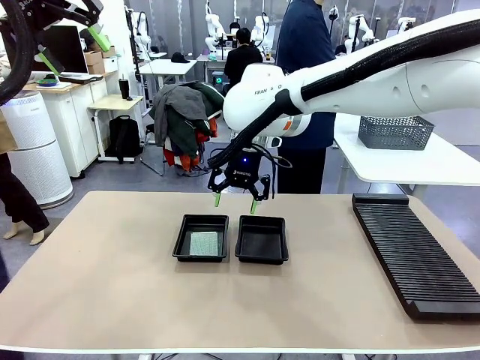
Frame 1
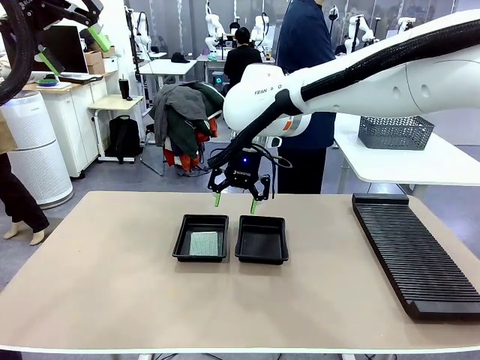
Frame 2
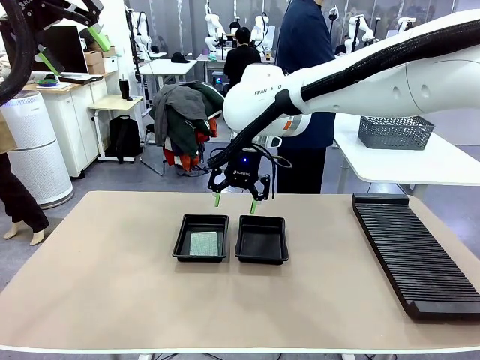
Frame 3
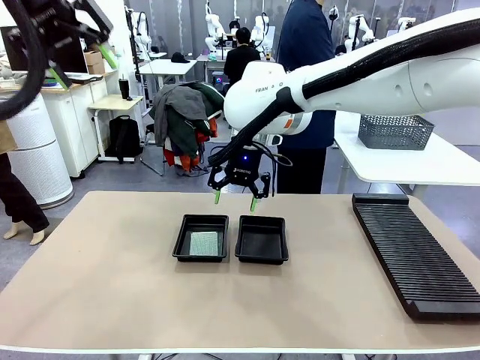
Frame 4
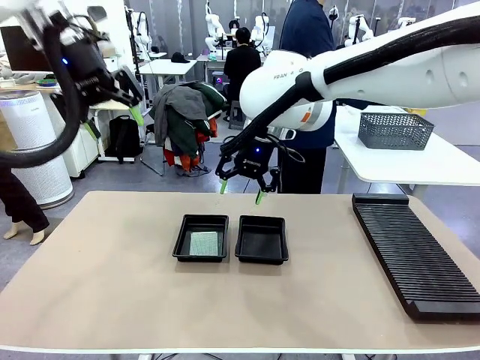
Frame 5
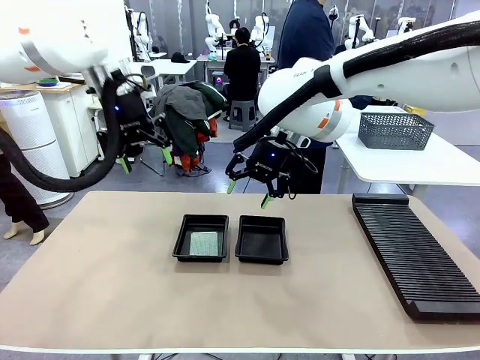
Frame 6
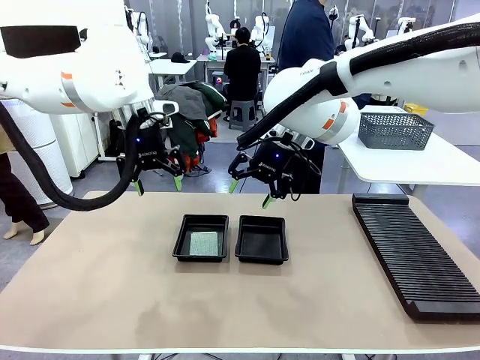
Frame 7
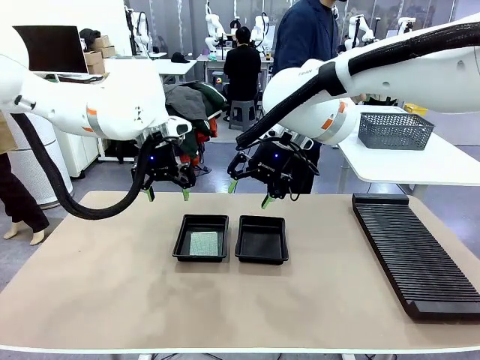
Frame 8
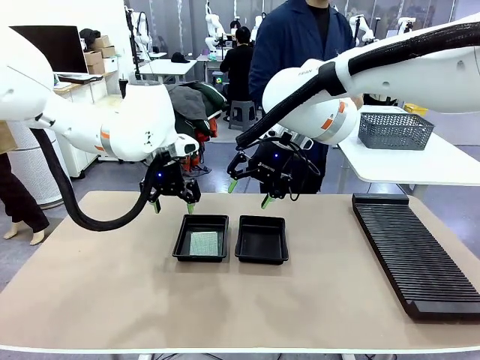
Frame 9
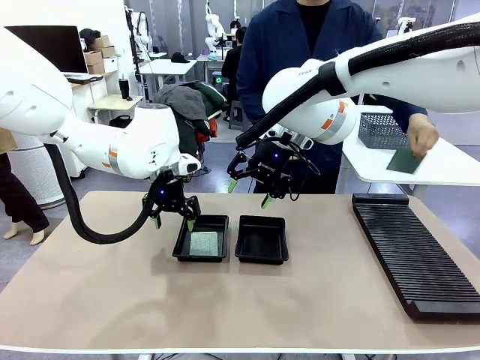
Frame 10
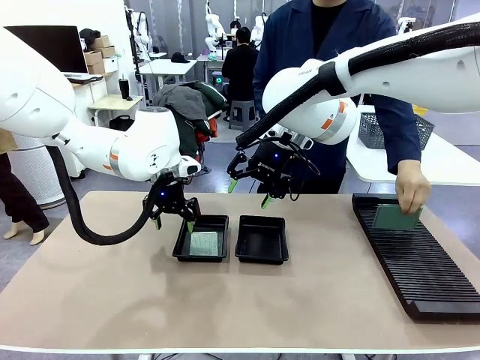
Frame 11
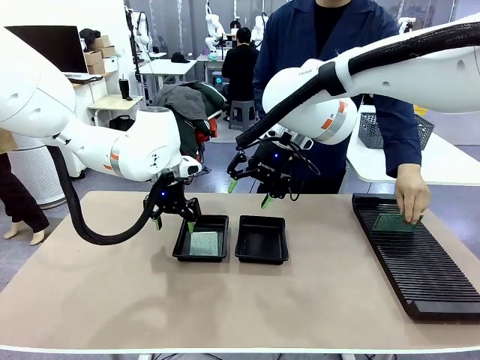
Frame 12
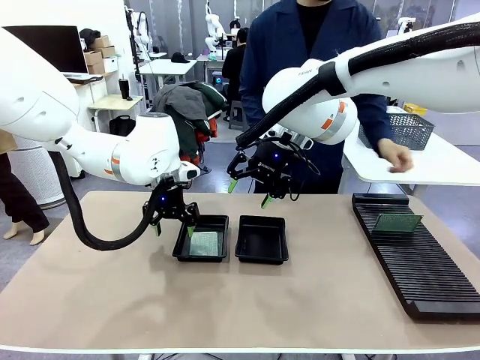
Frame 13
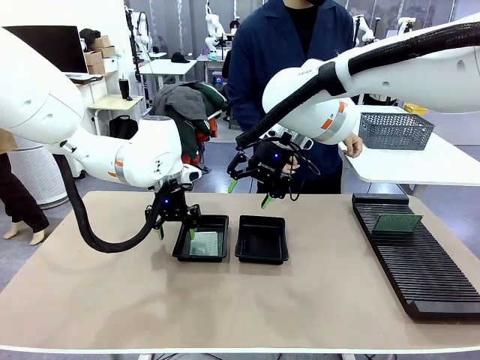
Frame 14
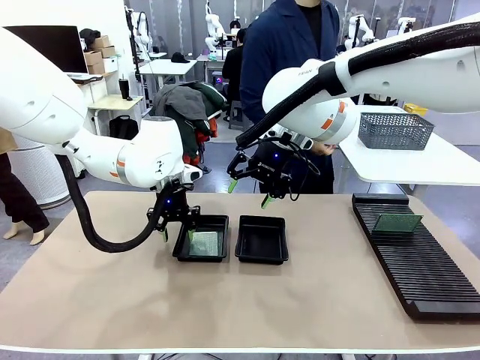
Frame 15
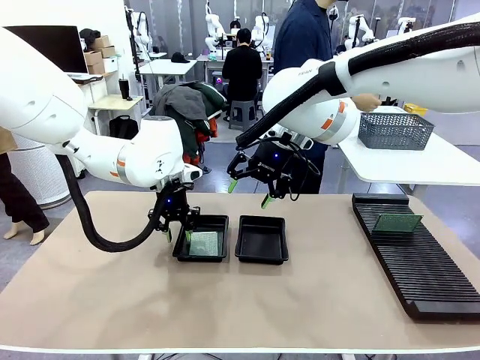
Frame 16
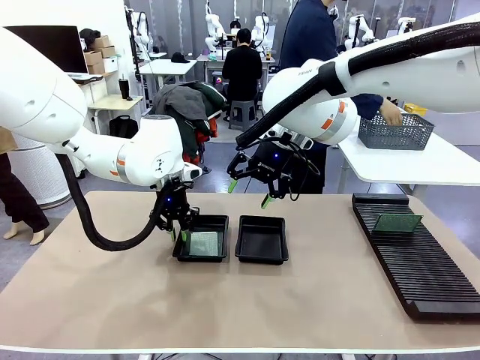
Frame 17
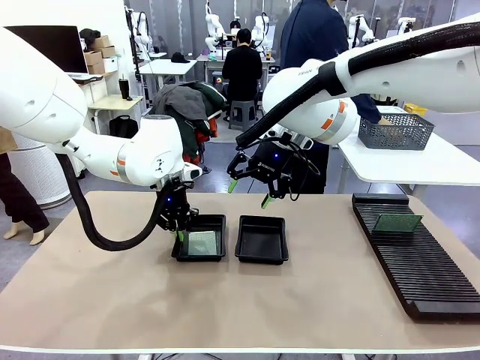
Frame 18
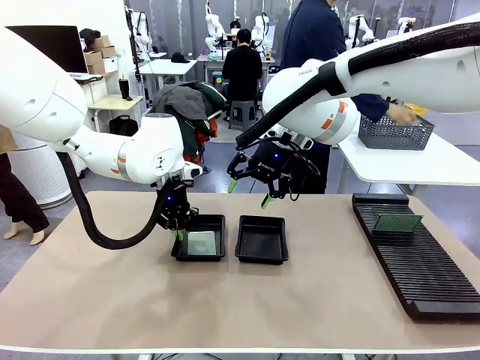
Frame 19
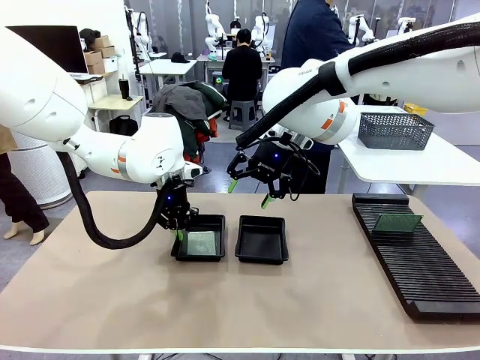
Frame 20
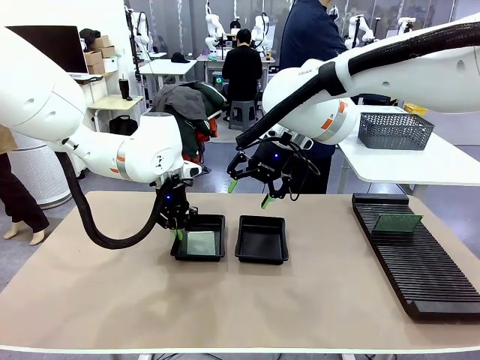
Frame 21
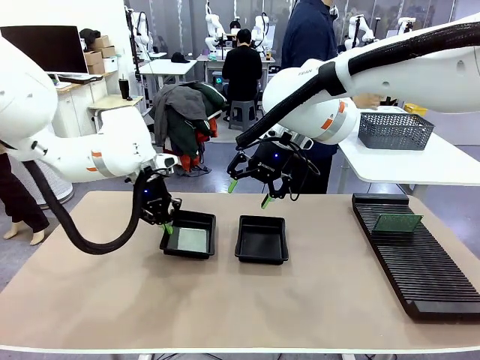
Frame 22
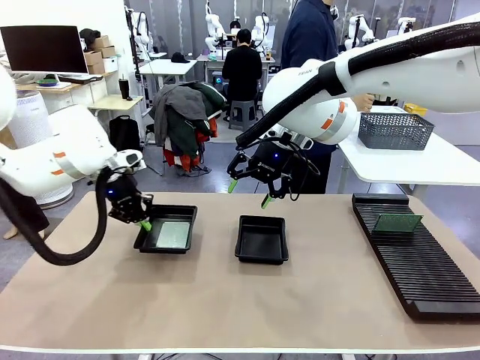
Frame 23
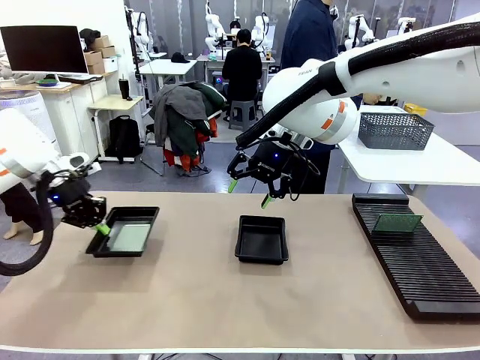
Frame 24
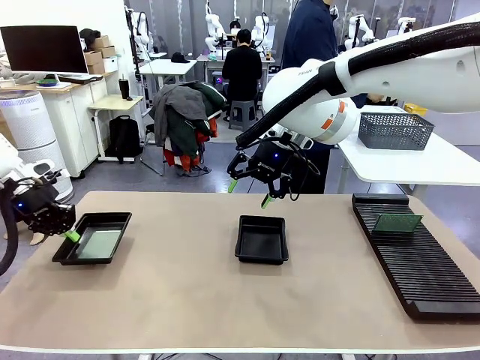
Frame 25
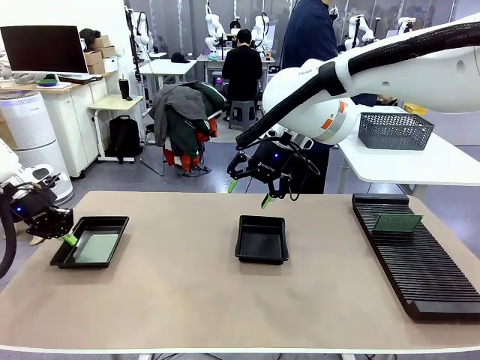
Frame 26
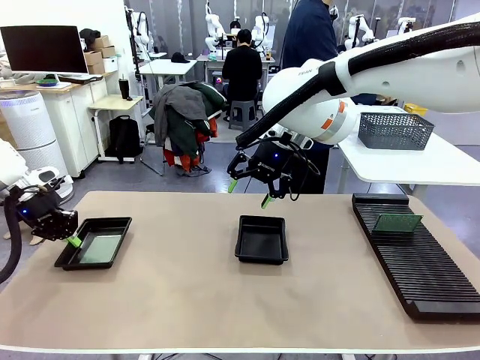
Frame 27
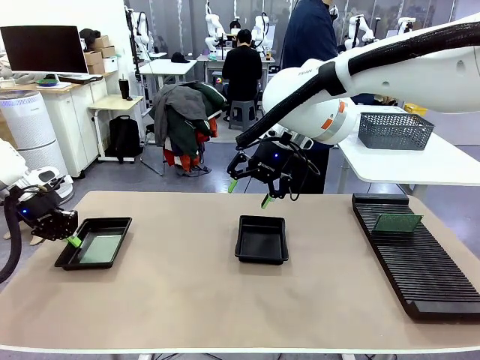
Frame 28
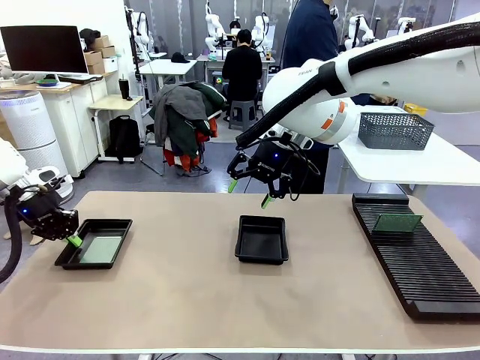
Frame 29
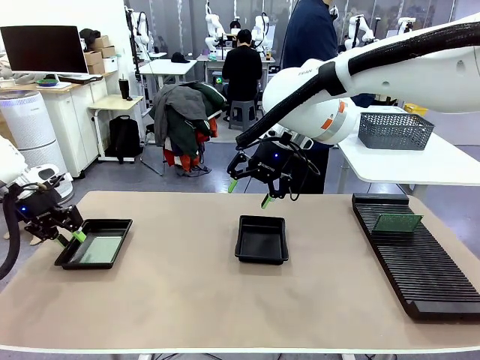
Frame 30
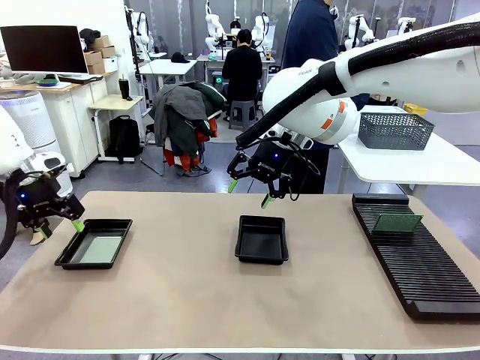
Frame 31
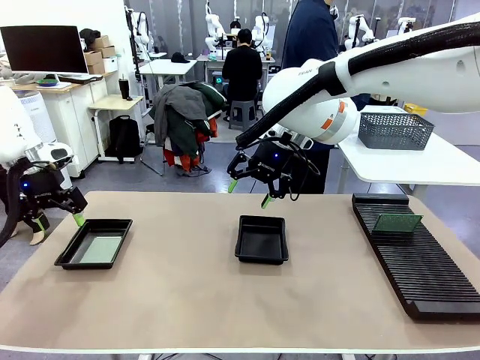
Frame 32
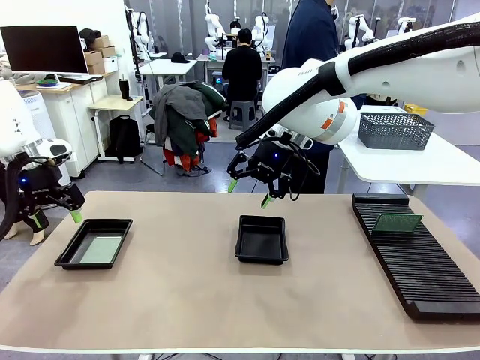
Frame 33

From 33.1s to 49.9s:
Task: Inspect and transfer BCBs to ESD trays.
Robot: Pick up the ESD tray and place it on the left side of the table.

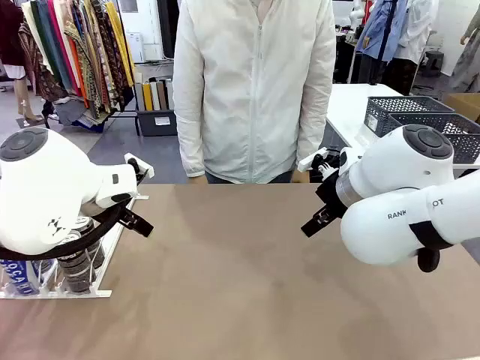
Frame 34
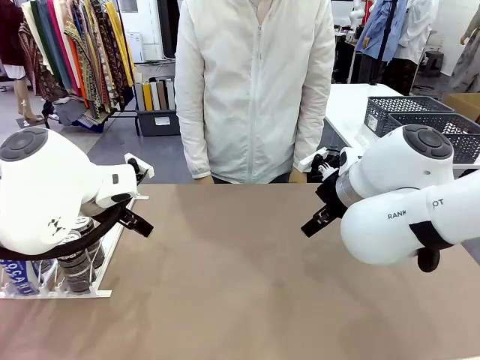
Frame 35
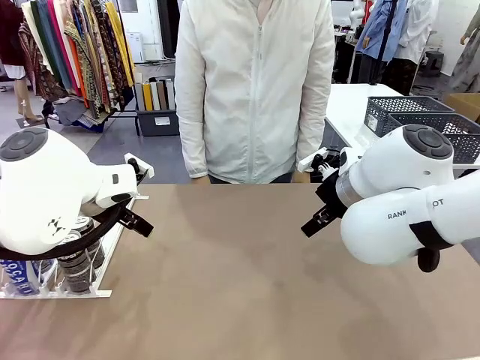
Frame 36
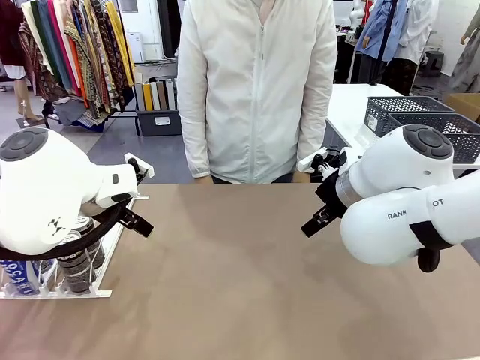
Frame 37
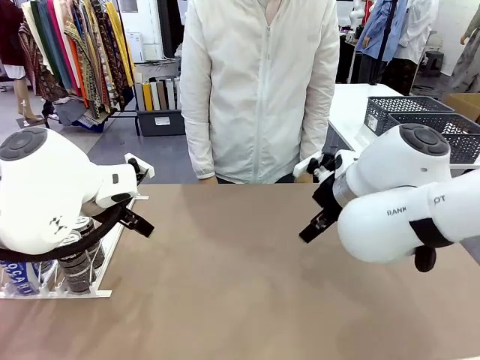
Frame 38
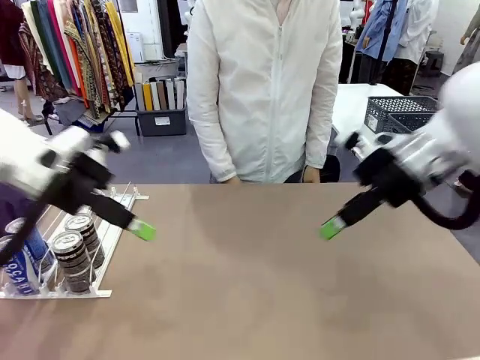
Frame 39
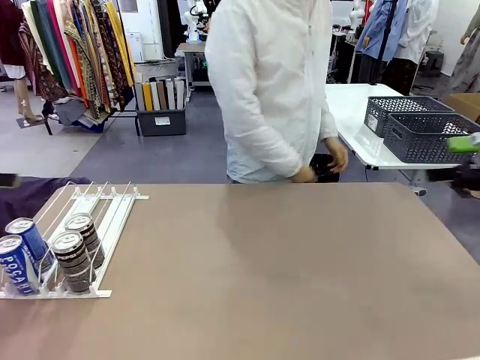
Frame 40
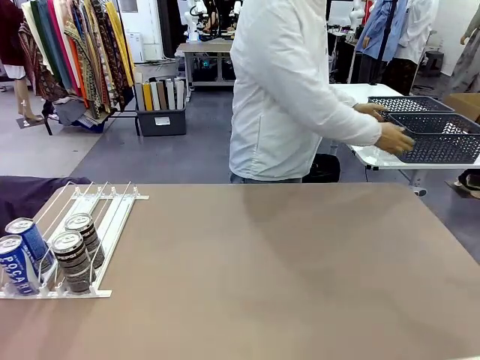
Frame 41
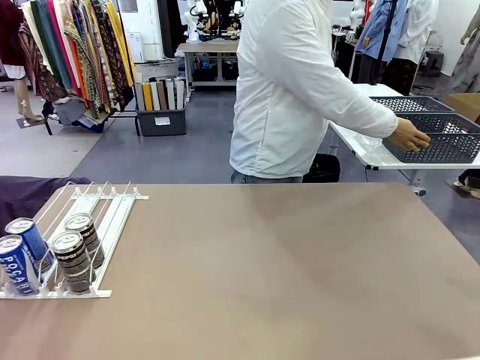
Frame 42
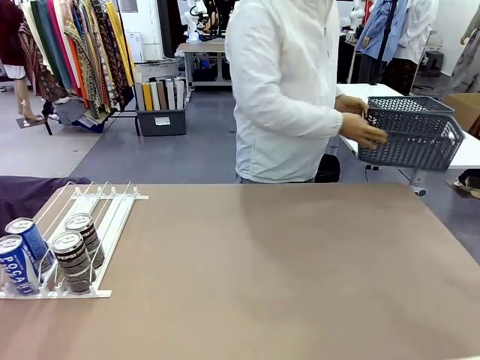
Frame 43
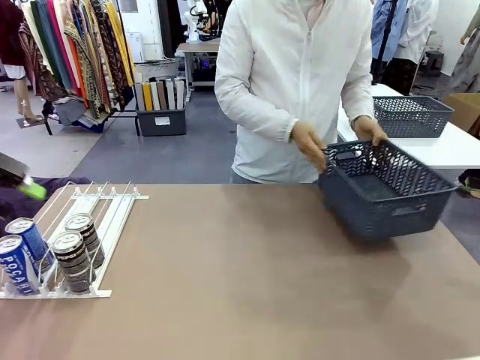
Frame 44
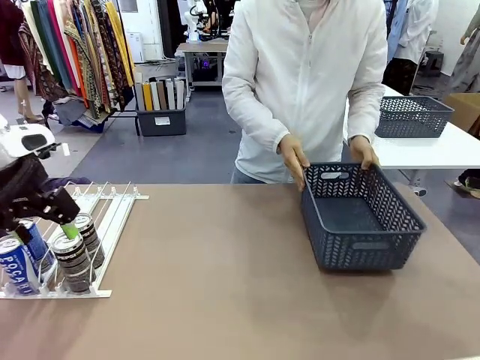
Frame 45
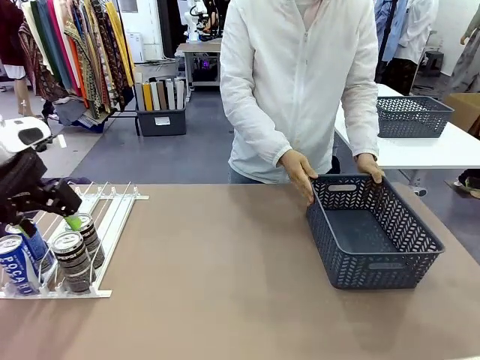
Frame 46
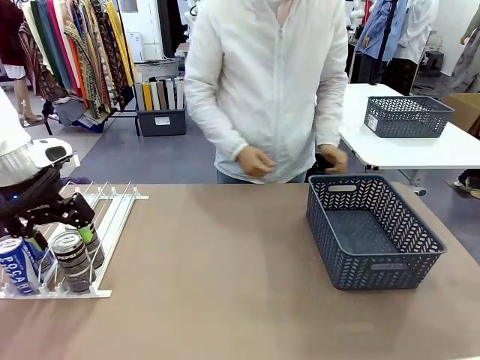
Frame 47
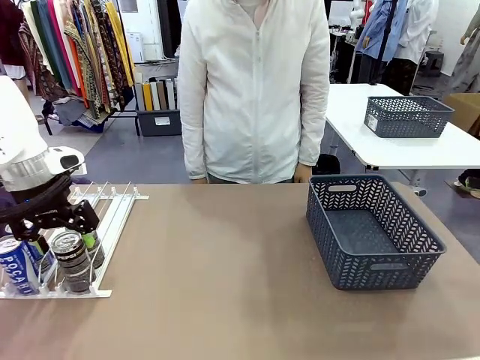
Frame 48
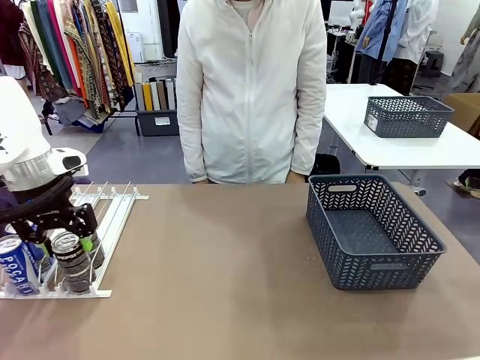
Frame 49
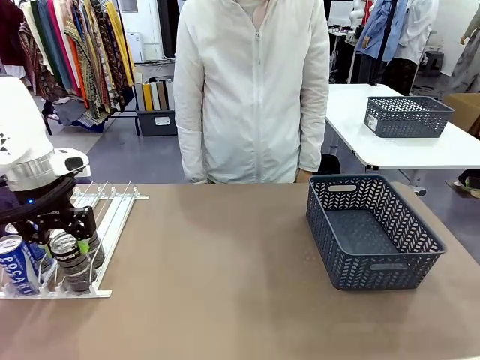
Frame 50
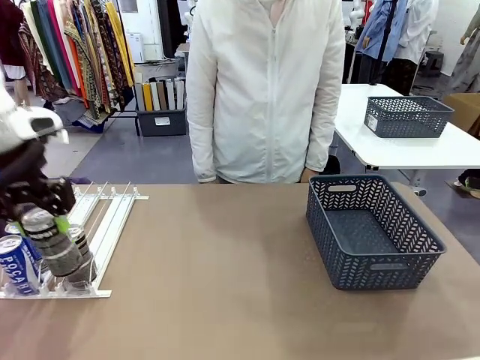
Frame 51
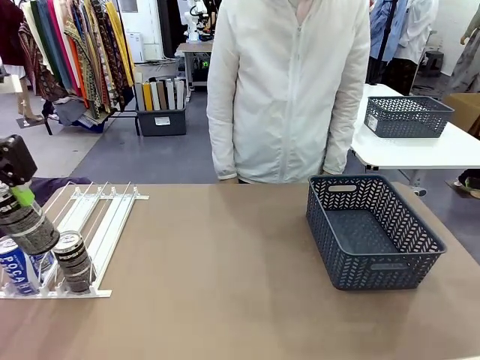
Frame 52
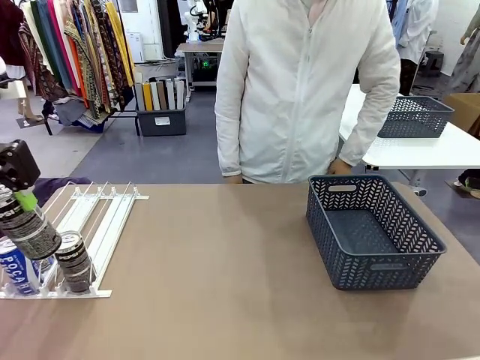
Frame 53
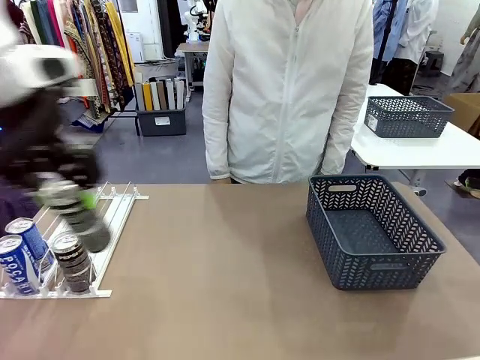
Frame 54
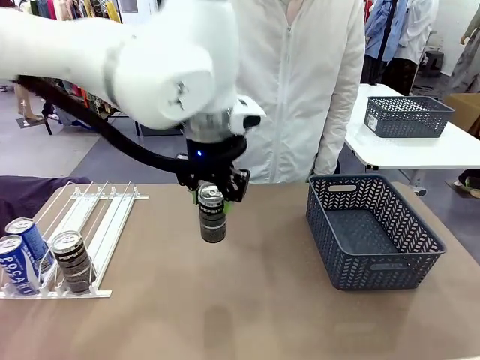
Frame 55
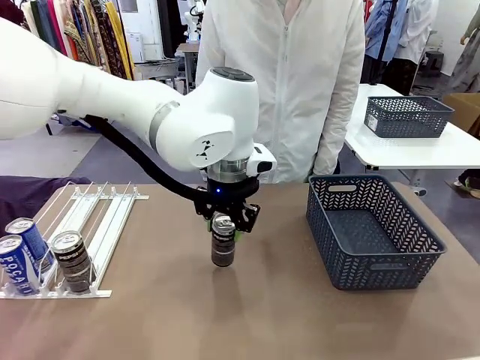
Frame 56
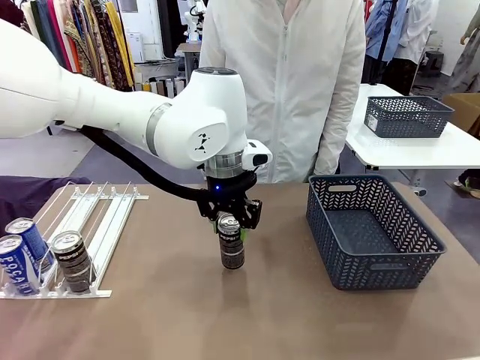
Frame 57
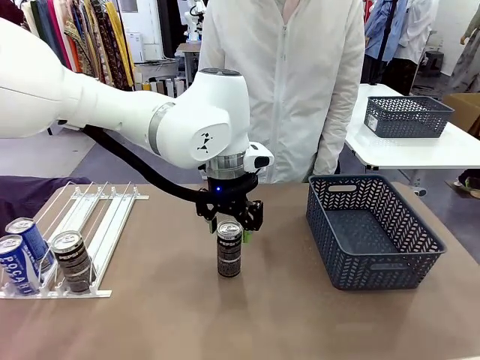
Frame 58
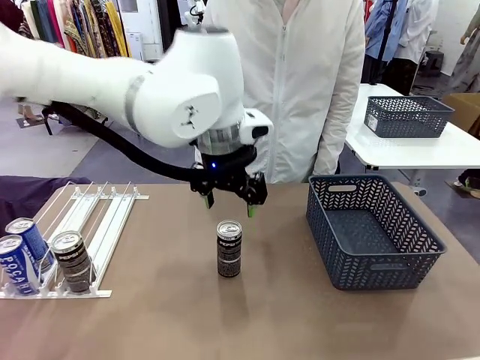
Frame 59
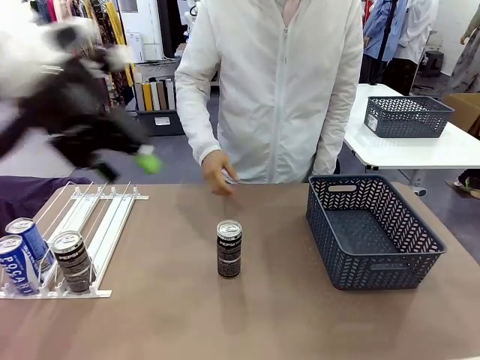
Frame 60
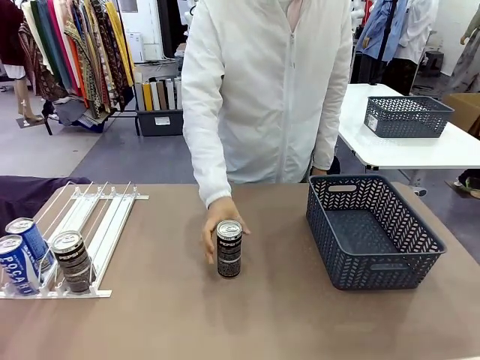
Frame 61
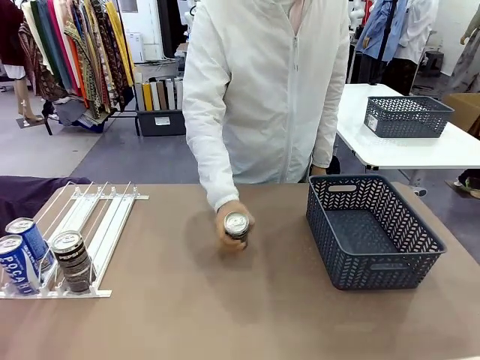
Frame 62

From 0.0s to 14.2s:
Task: Retrieve and store the cans from the dispenser.
Robot: Pick up one can from the Automatic Can Dispenser and place it in the middle of the table.
Person: Pick up the basket and place it on the left side of the robot table.
